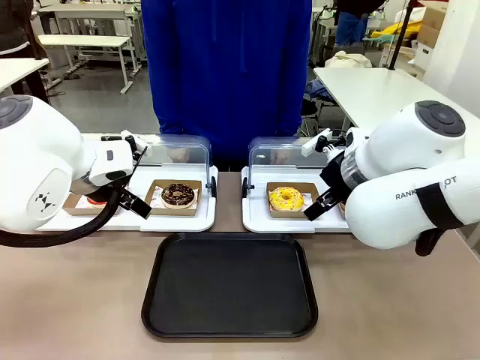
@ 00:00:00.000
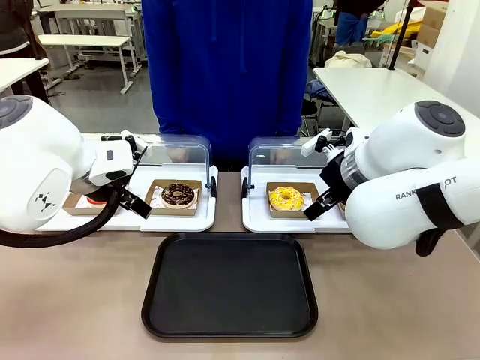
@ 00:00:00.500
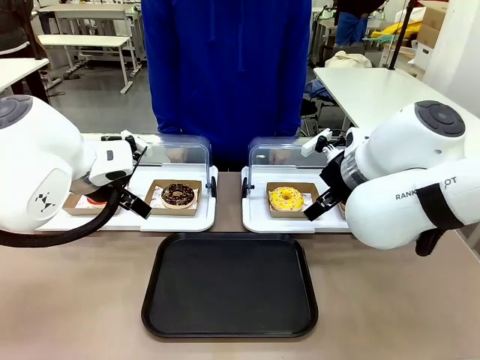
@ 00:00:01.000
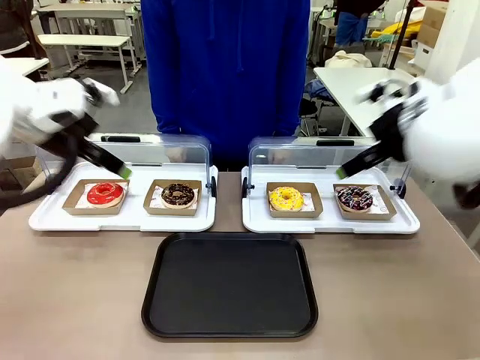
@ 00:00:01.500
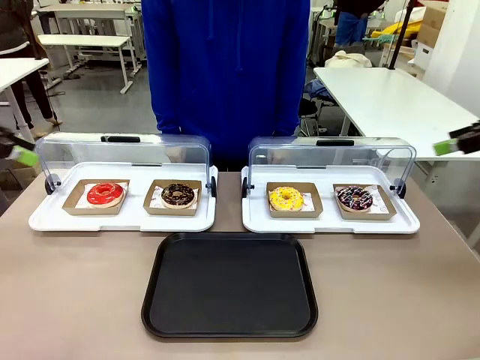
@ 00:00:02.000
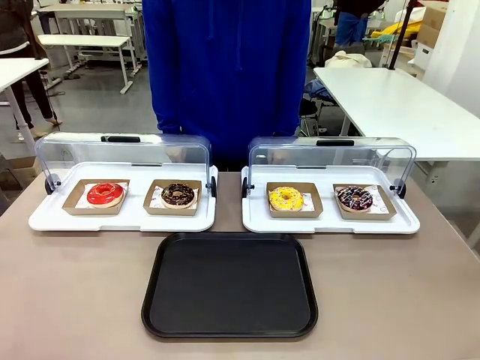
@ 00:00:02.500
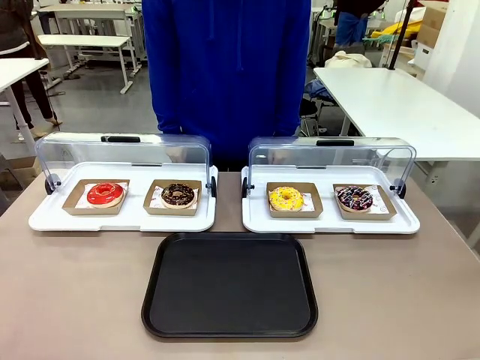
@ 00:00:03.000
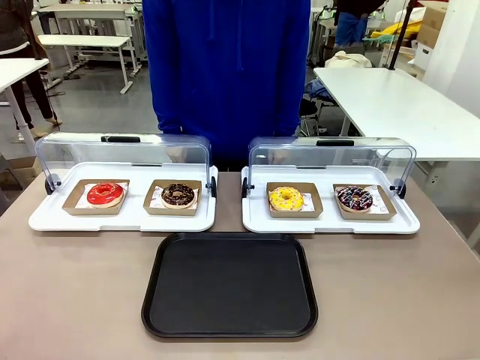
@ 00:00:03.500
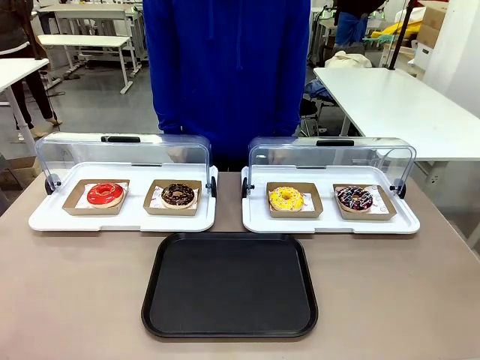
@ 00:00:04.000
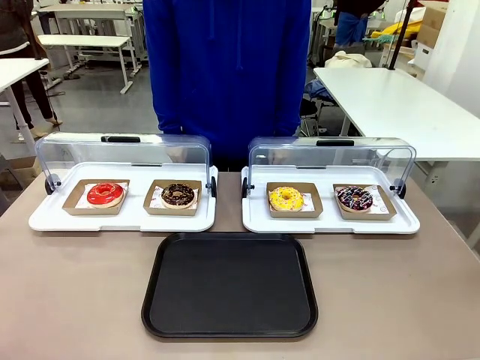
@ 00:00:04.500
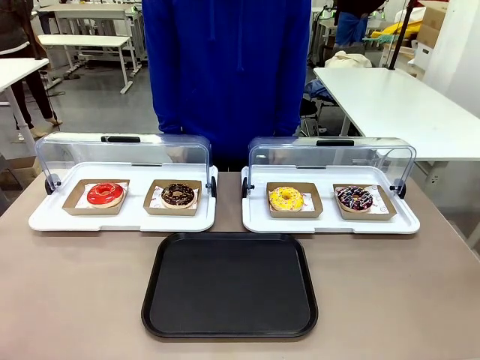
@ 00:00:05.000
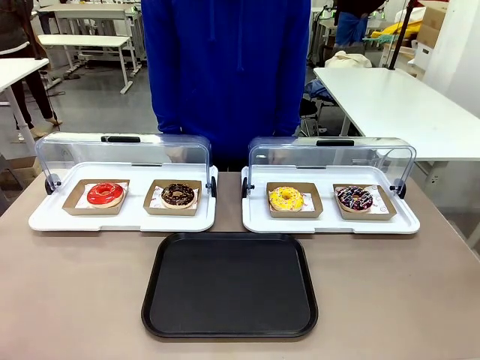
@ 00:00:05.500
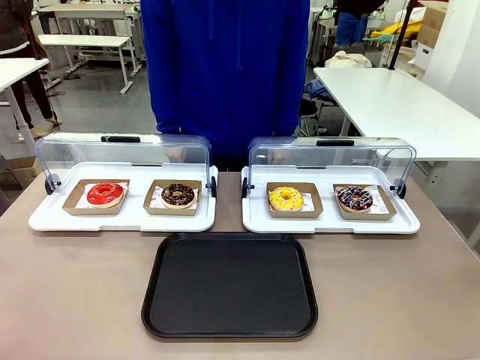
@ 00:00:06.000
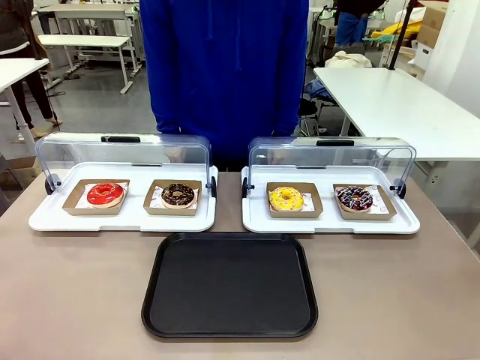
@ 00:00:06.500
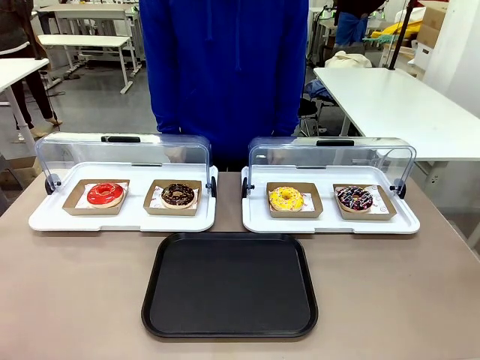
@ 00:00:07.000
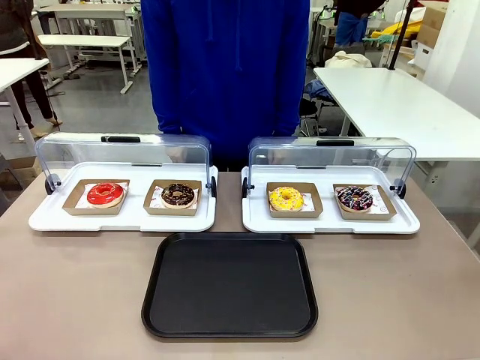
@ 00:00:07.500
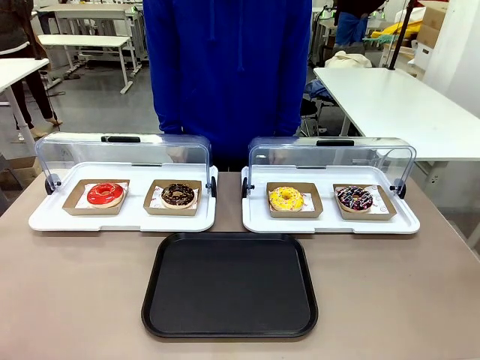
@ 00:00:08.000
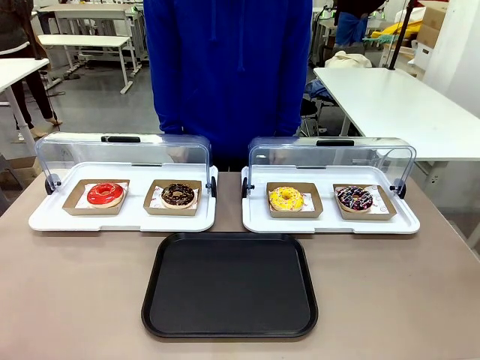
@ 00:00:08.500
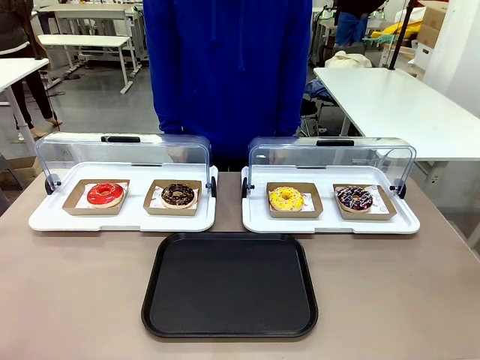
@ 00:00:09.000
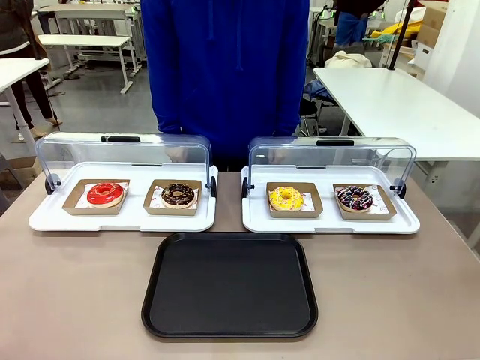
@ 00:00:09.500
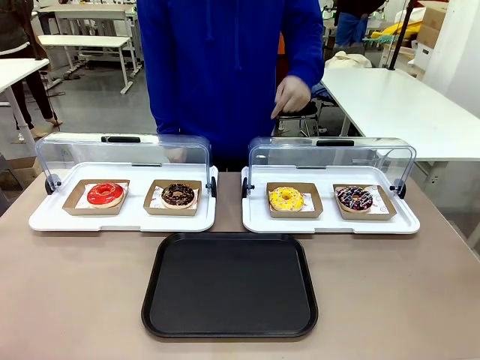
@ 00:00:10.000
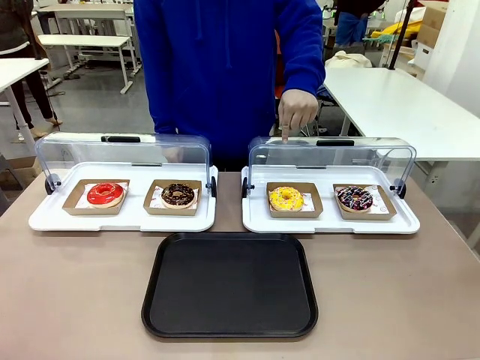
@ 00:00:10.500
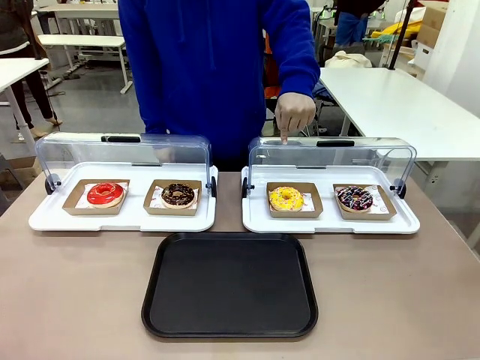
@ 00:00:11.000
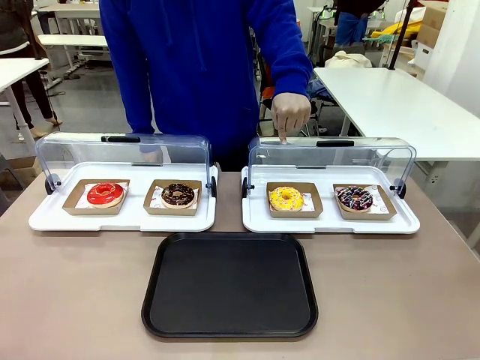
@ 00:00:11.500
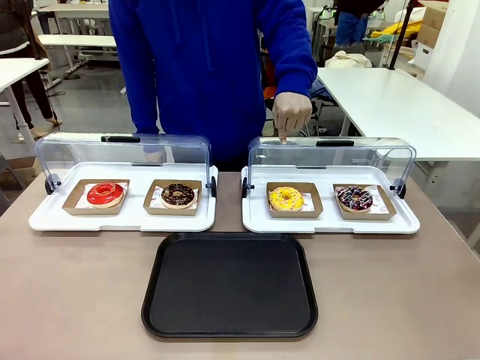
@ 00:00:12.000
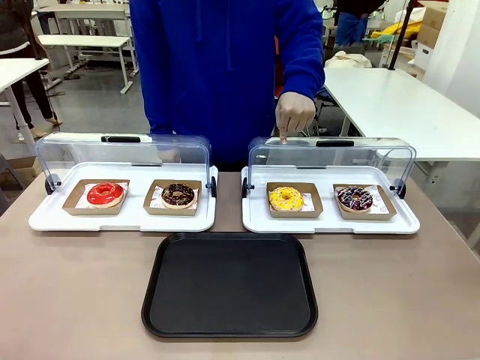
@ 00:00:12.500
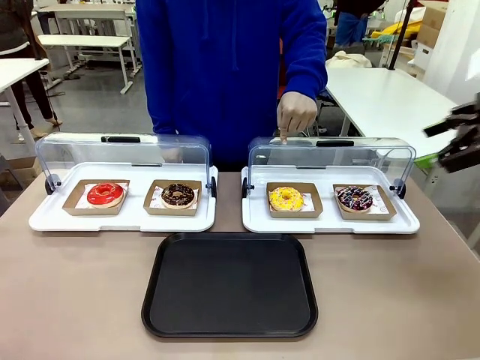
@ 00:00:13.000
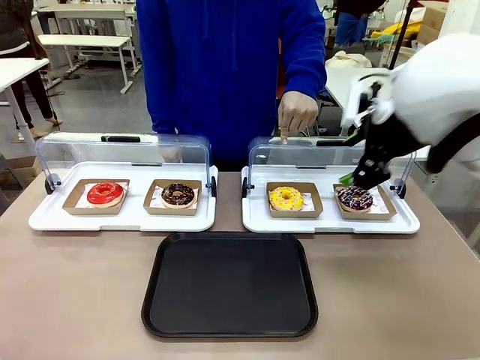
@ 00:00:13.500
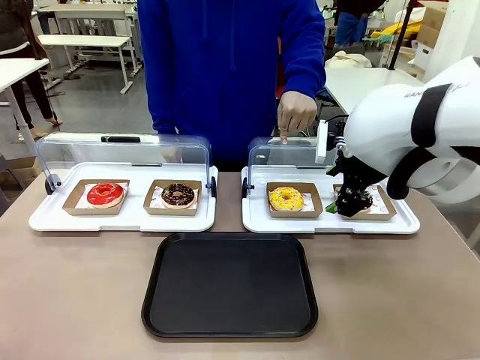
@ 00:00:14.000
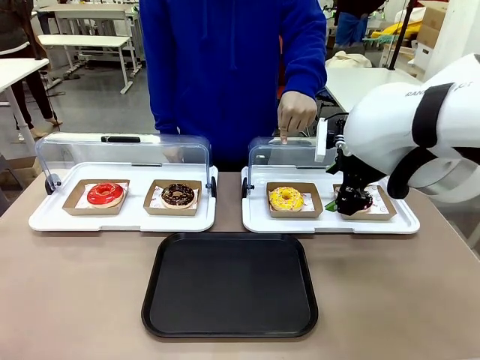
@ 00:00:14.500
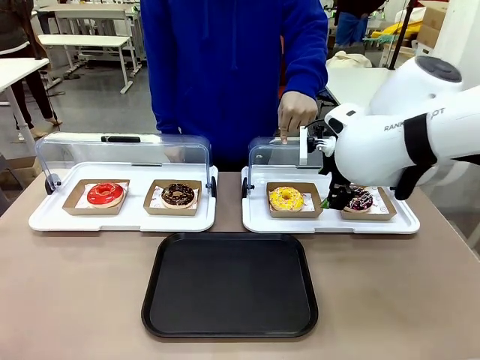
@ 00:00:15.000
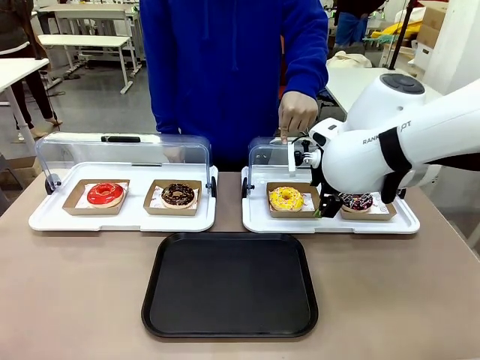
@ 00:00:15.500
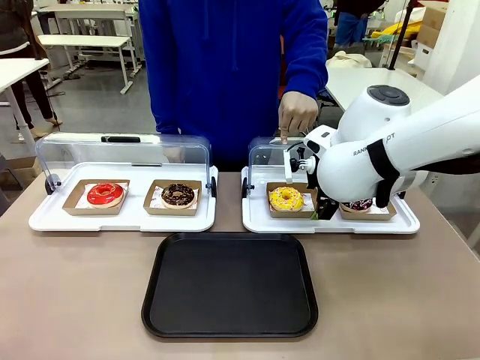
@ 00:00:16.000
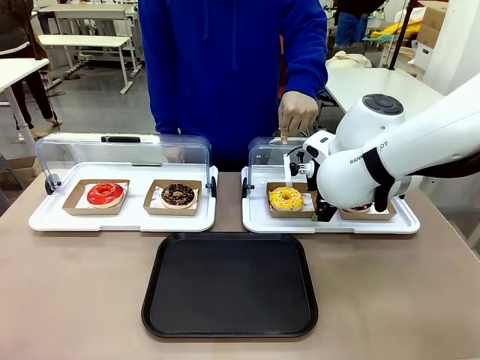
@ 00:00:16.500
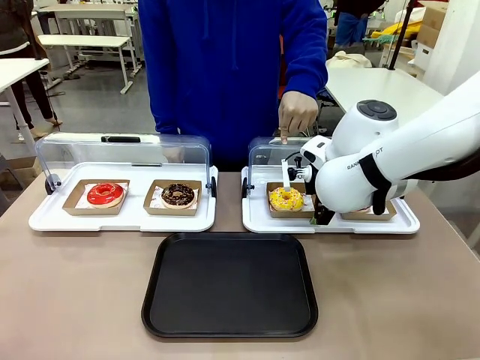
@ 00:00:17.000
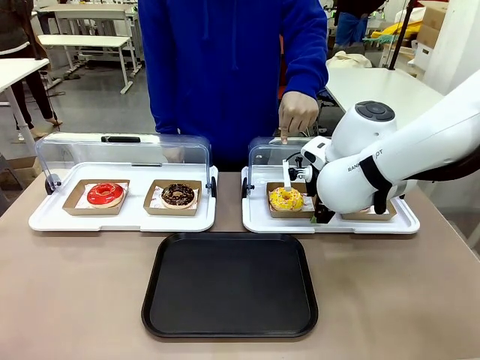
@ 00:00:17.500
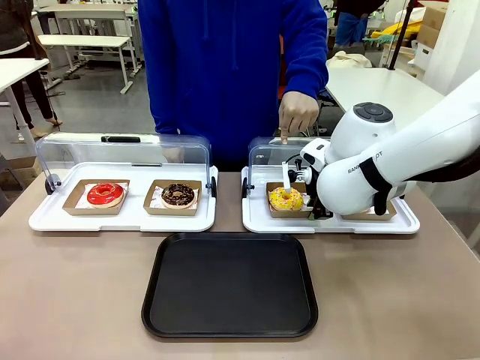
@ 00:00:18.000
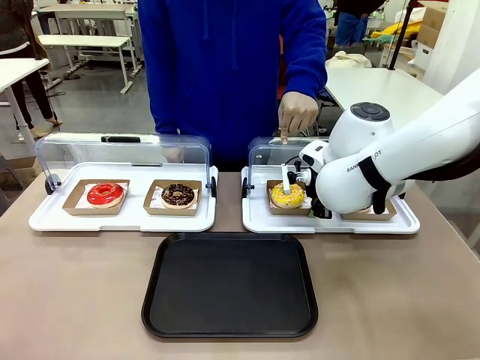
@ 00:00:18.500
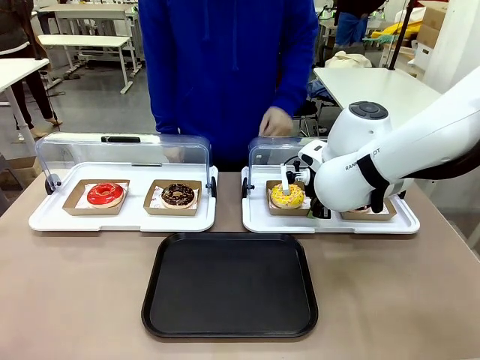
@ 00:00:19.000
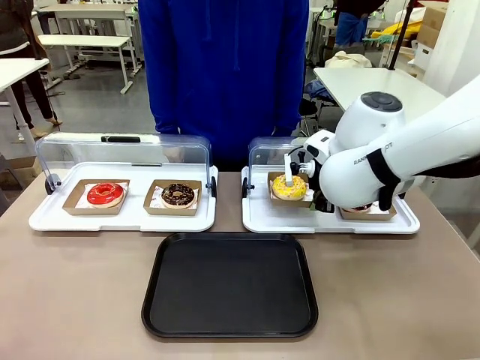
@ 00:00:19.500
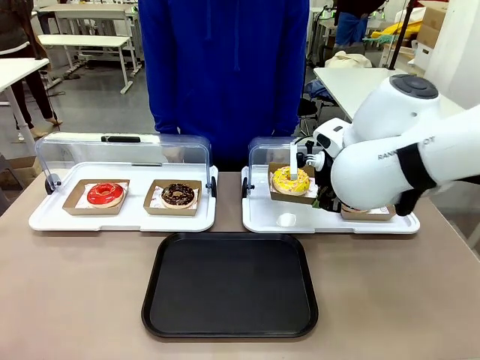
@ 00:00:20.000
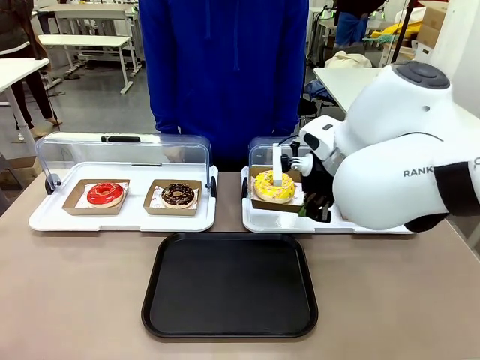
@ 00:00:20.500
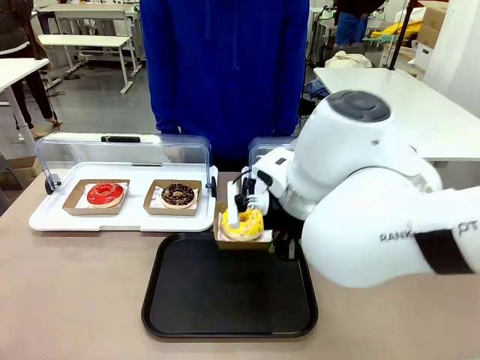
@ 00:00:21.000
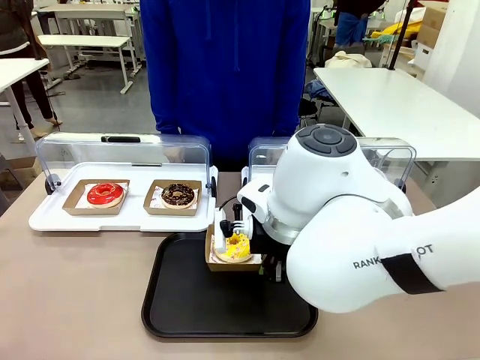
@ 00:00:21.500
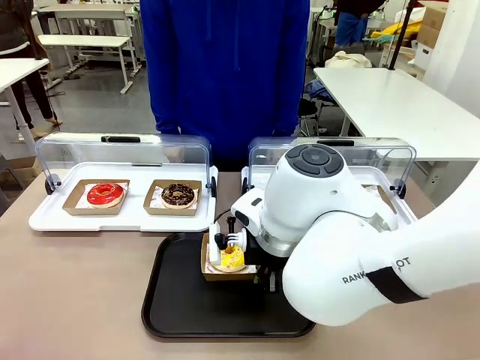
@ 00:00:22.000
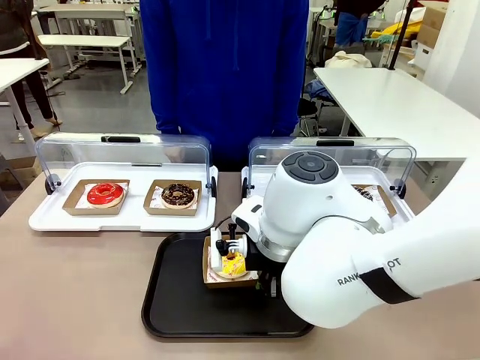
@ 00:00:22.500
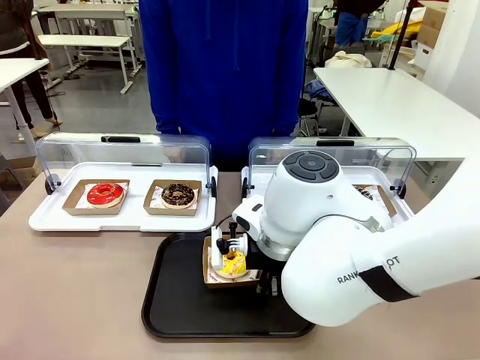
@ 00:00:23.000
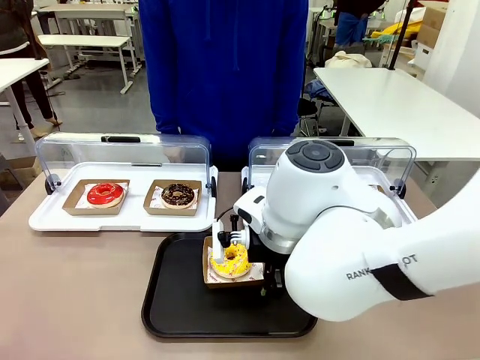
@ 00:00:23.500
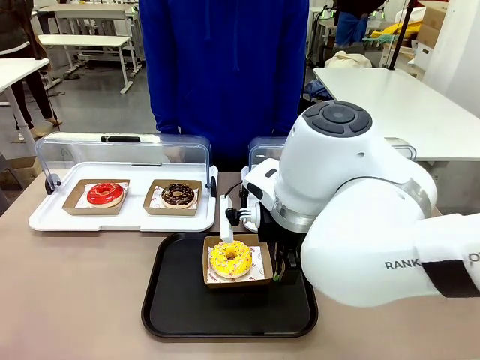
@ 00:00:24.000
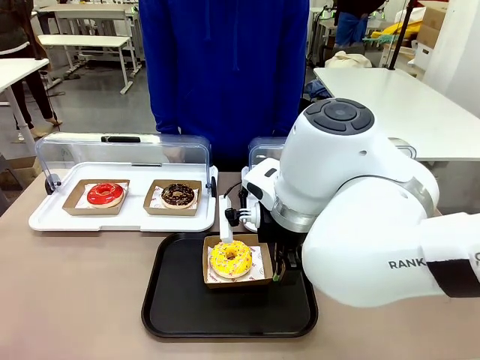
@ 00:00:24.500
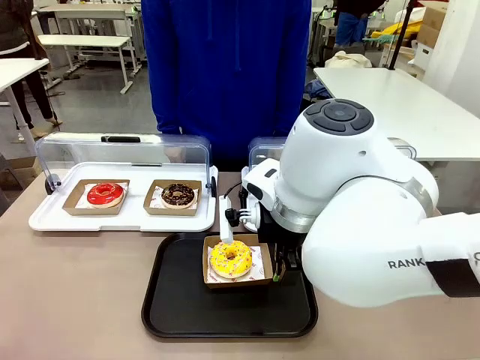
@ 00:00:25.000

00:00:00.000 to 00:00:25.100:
Task: Move the third donut from the left to the tray.
Robot: Pick up the Paper togo box containing the Donut indicated by the person and place it on the Handle tray.
Person: Points to the third donut from the left from the robot’s perspective.
